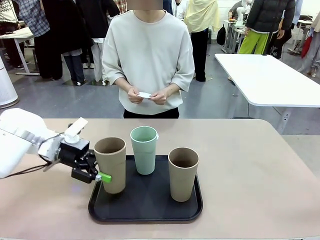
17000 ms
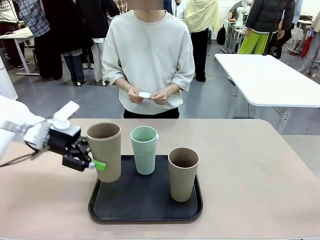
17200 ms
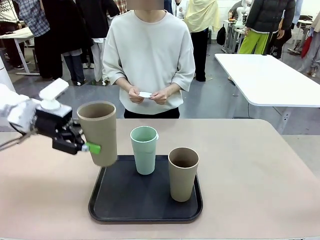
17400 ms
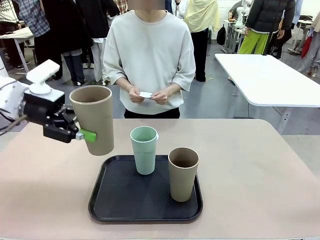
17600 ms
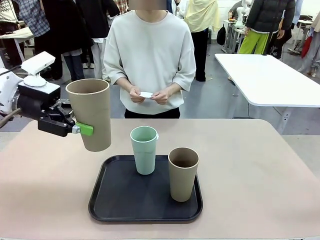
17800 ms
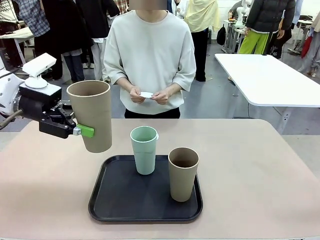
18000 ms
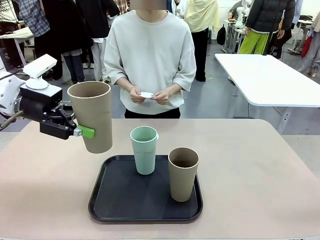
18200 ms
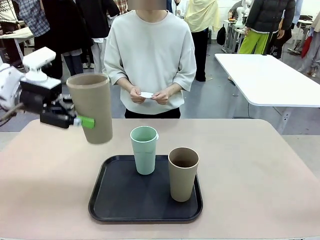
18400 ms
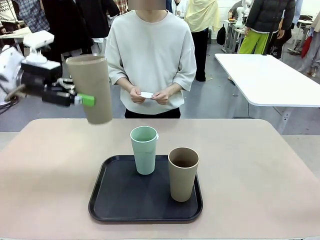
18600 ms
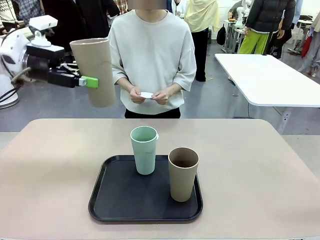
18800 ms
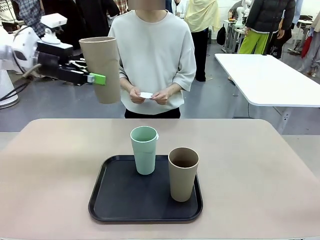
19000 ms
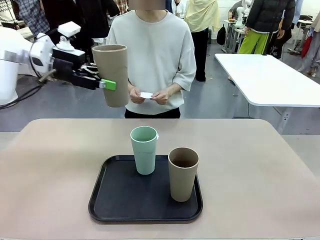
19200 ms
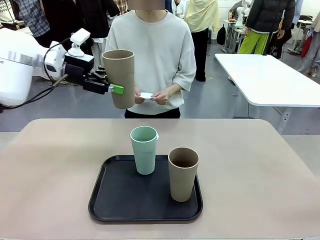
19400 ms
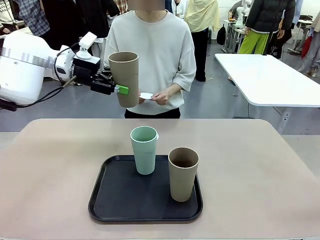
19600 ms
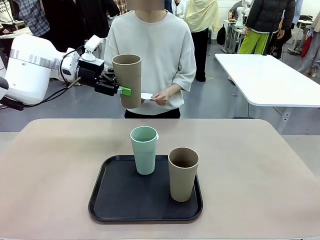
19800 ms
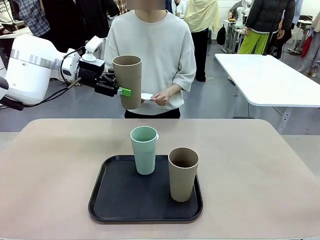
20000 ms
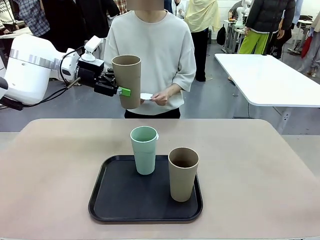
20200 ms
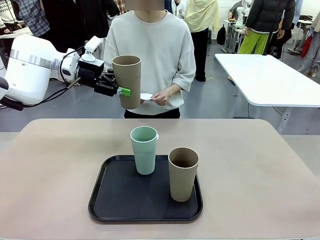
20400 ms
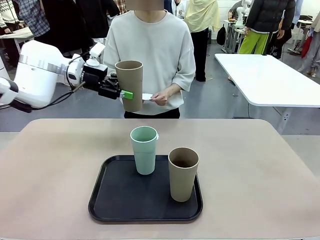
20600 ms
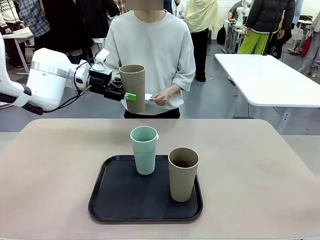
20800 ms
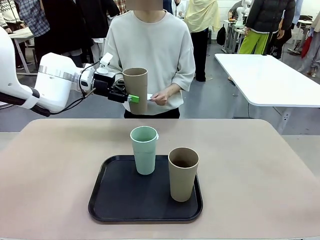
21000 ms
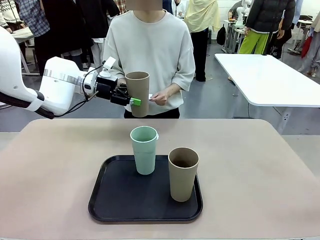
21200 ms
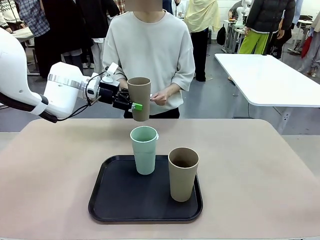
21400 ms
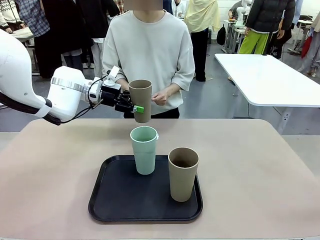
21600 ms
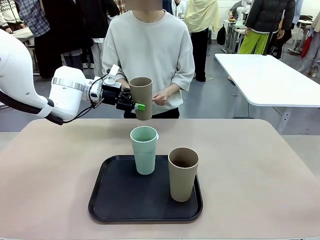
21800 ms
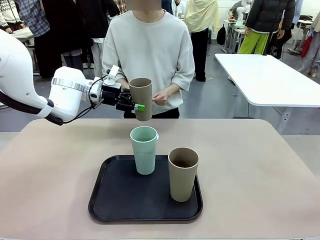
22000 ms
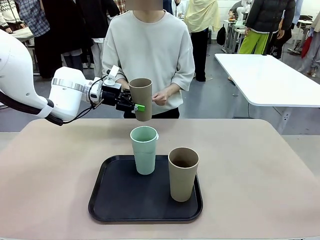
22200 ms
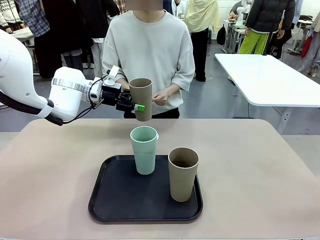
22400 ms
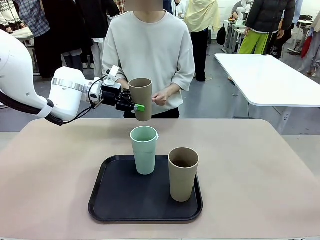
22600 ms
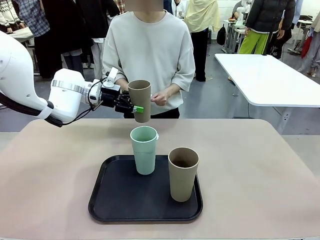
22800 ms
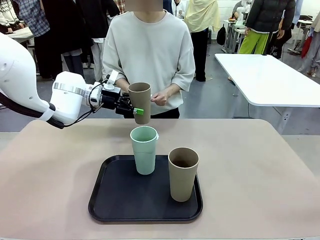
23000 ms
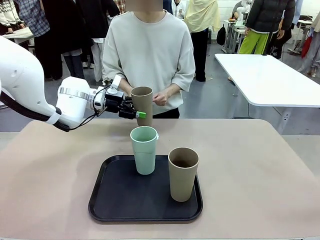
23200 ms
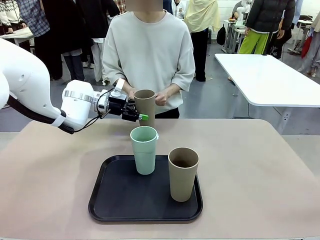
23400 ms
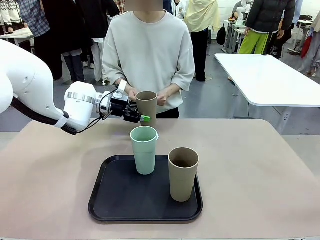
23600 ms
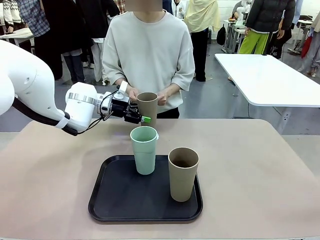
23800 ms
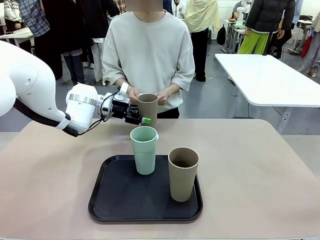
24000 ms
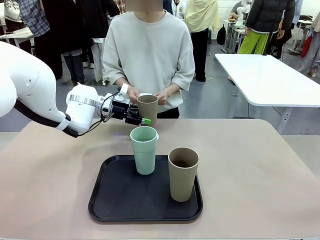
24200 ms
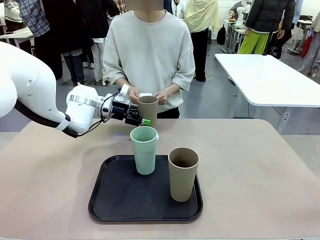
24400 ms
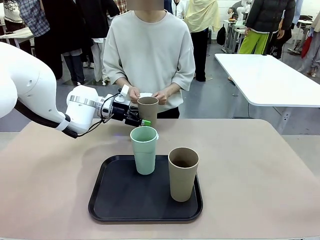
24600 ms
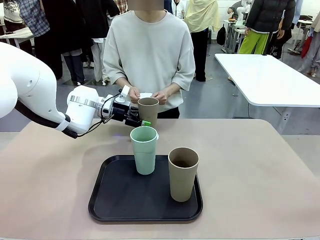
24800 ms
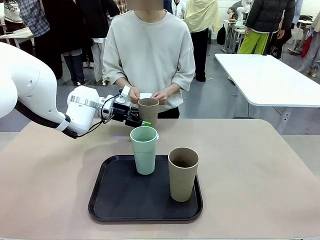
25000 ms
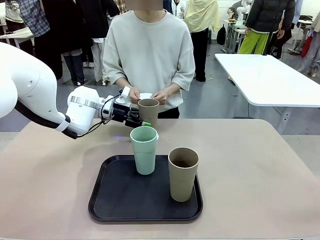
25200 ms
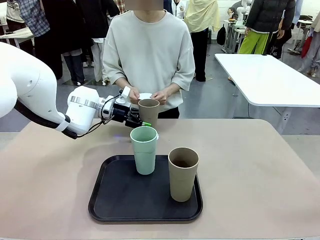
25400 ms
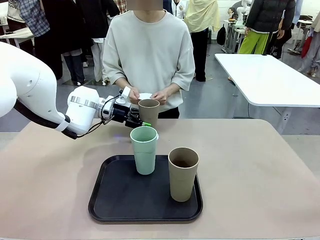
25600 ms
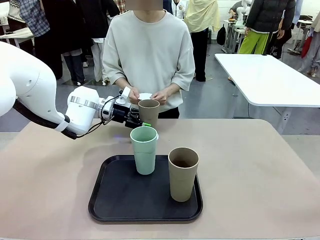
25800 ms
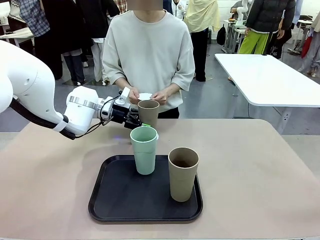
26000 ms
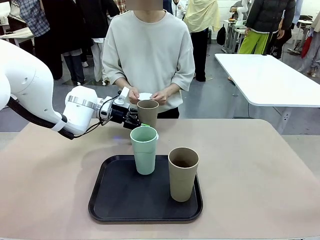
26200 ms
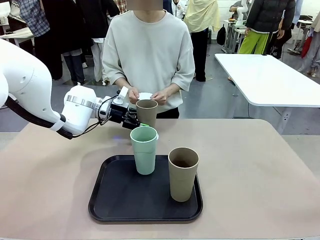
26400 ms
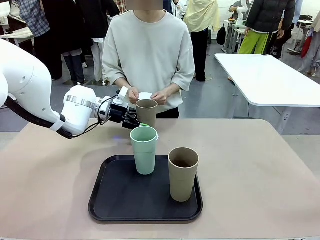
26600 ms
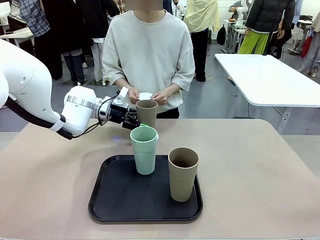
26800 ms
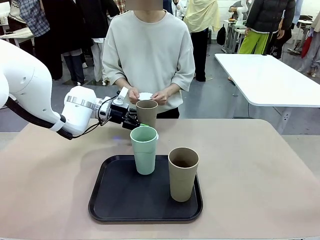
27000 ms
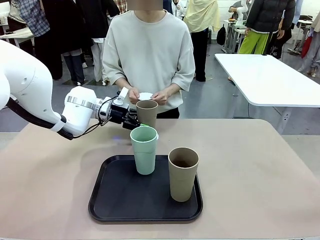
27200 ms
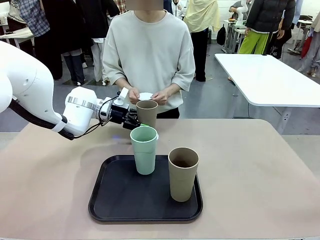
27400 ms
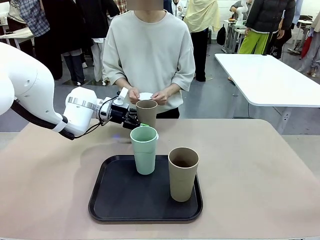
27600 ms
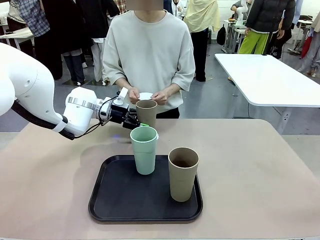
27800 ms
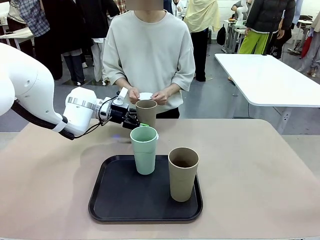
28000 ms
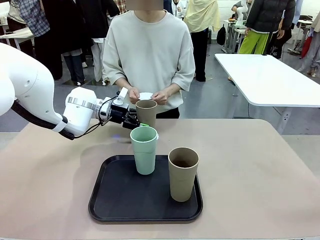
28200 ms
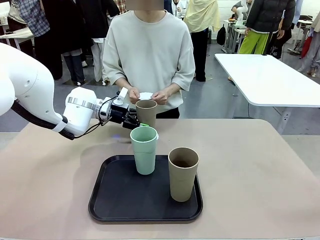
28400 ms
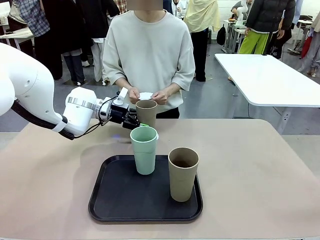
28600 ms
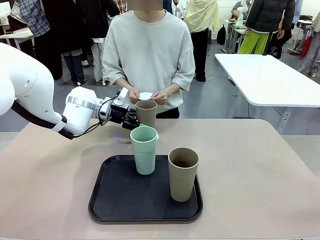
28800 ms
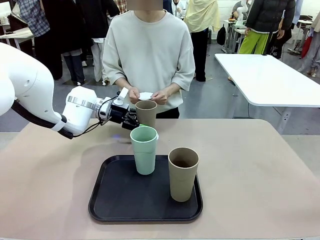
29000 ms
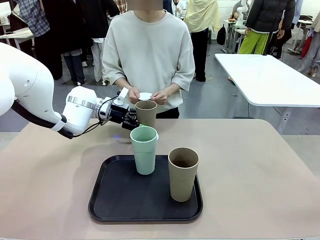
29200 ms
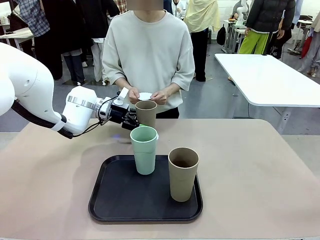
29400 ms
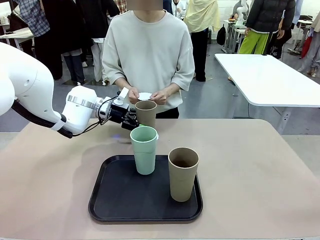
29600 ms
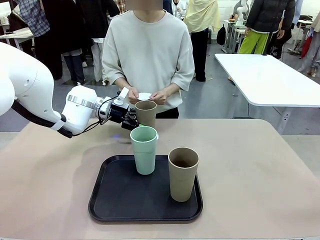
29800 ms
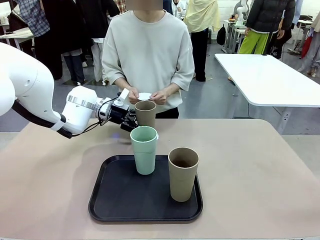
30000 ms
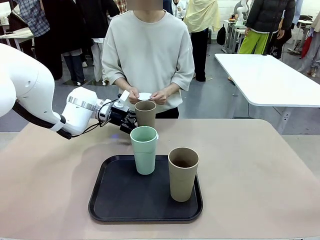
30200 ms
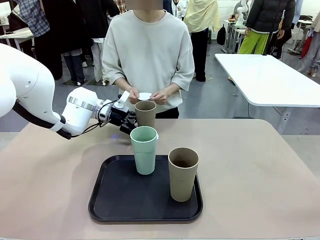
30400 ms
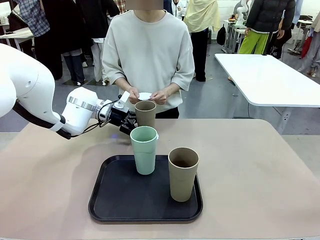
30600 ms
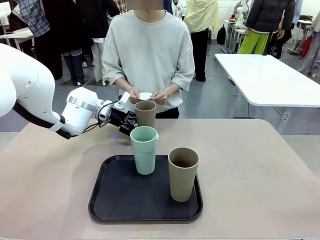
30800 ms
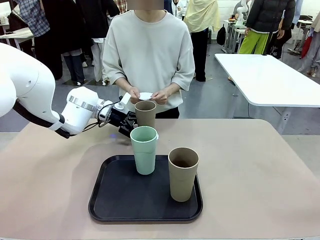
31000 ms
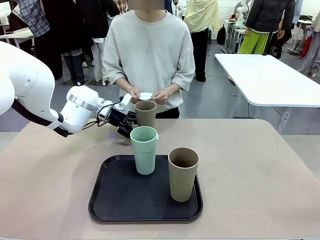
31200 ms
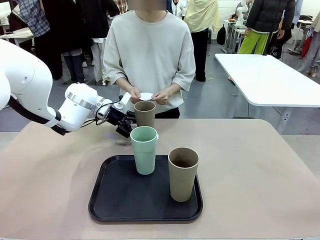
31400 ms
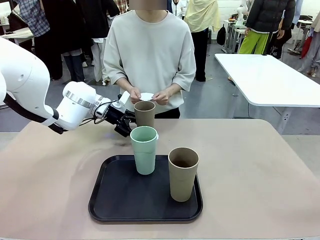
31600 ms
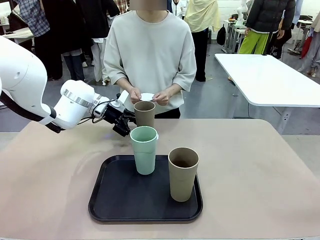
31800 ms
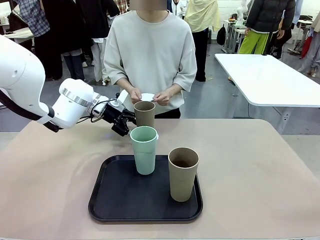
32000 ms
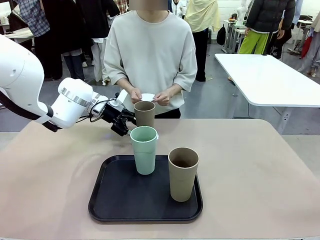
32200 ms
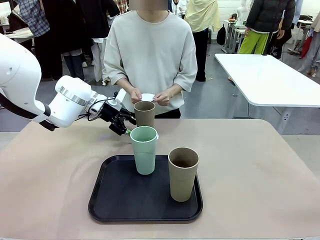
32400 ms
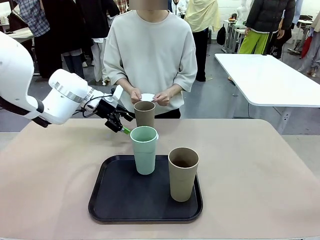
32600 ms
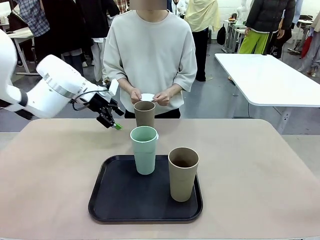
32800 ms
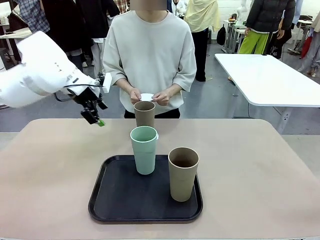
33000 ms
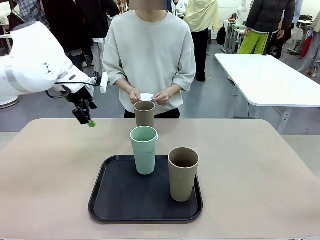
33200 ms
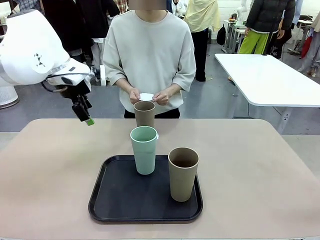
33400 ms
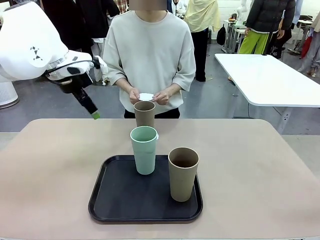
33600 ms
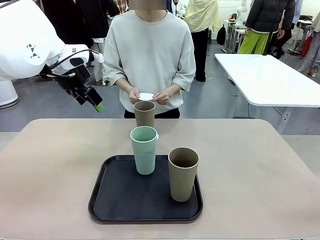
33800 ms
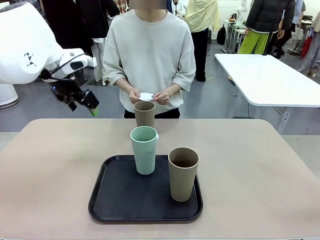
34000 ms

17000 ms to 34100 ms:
Task: Place coasters on the table and set cups on them.
Robot: Pick up one Reusable plastic cup and place it on a coaster set by the human.
Person: Place one coaster in one of the two areas excluding the previously selected area.

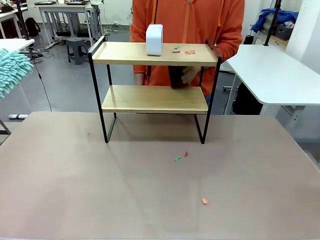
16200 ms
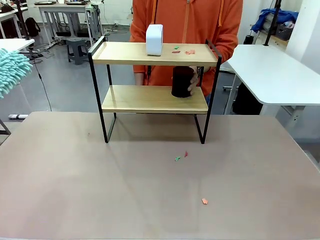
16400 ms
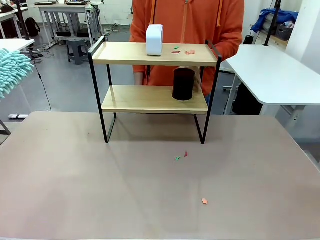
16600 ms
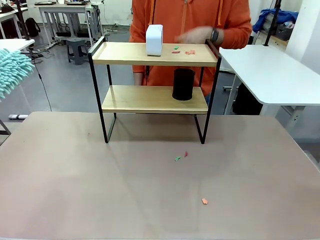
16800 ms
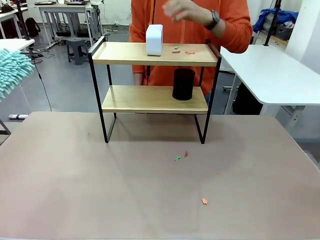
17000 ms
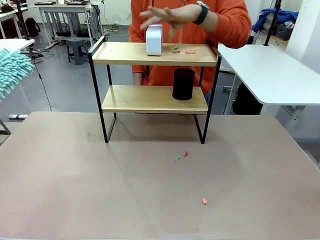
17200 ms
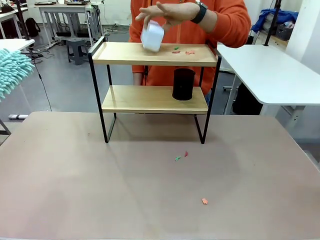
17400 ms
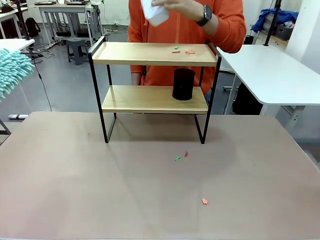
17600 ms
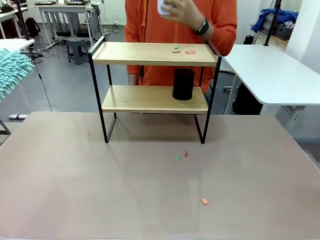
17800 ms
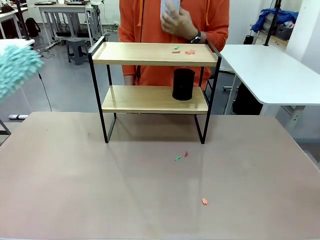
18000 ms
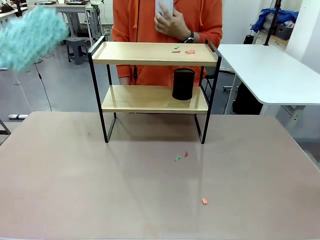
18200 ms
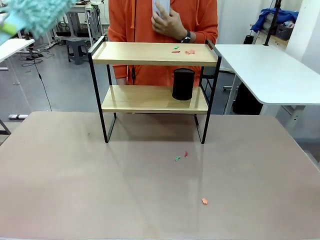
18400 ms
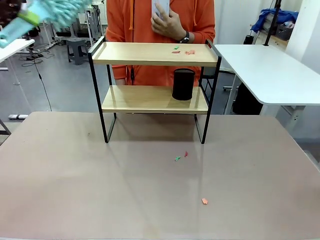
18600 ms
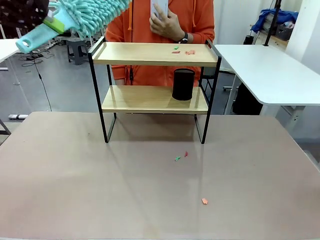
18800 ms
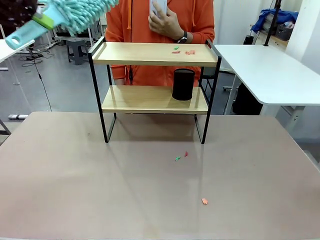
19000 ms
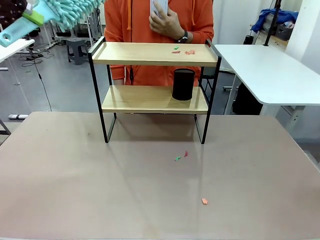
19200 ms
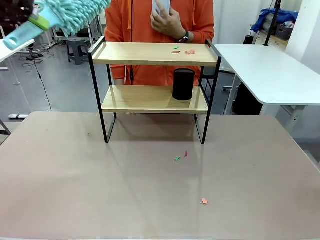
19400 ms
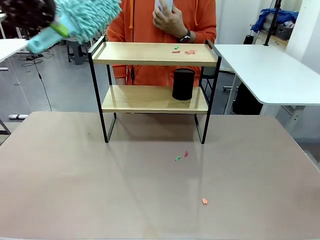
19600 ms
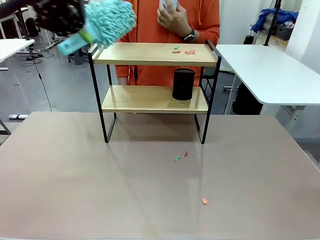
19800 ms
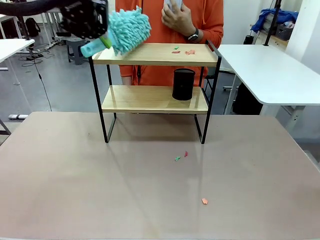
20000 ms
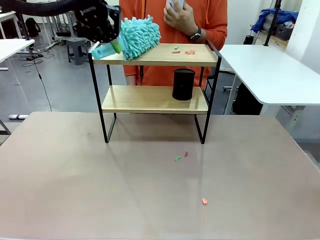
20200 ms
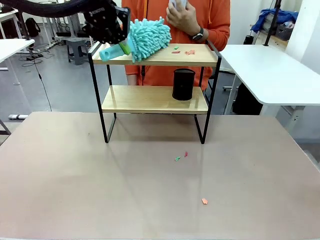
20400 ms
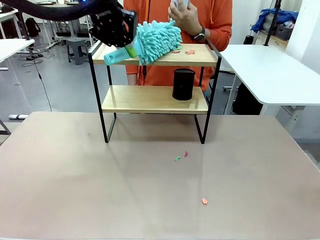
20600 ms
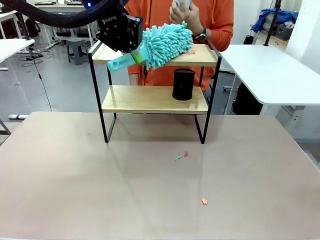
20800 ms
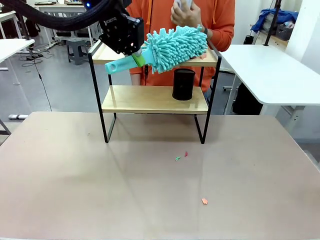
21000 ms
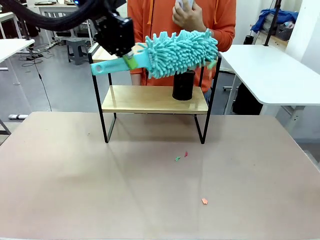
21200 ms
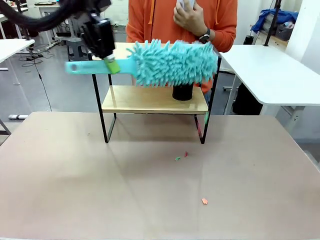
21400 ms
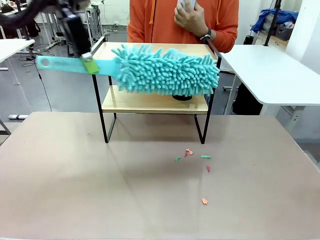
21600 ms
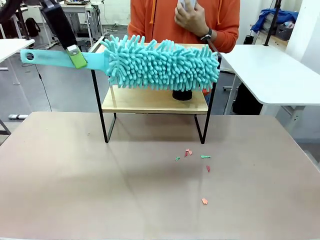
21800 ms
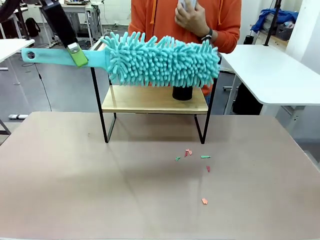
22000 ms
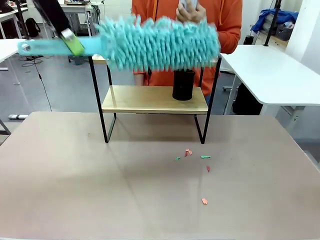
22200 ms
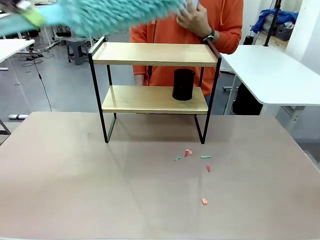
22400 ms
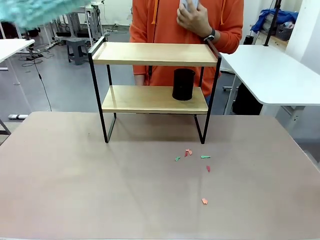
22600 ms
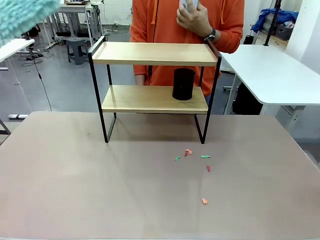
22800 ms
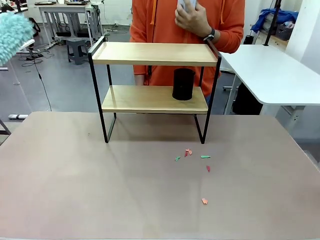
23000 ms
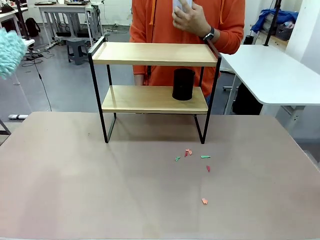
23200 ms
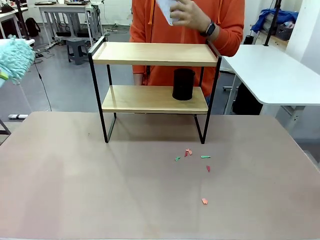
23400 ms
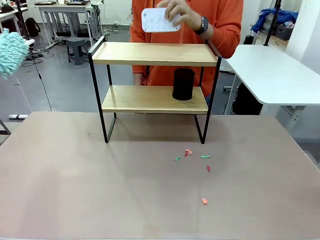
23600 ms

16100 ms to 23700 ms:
Task: Clean the shelf.
Robot: Clean the remaining tier of the Shelf with the Duster once objects are removed.
